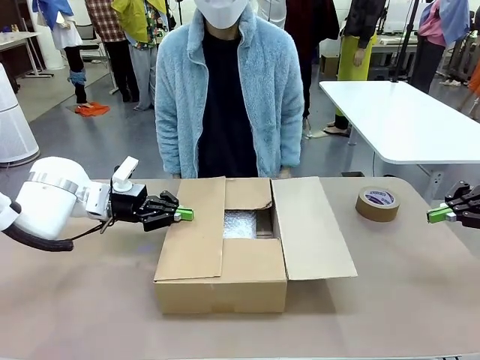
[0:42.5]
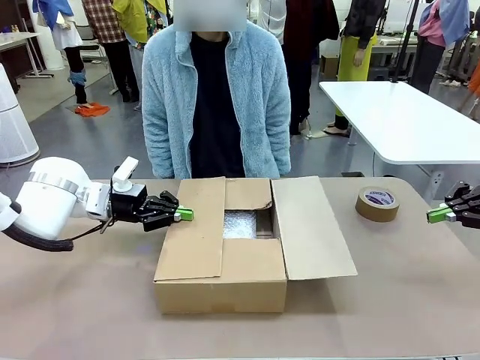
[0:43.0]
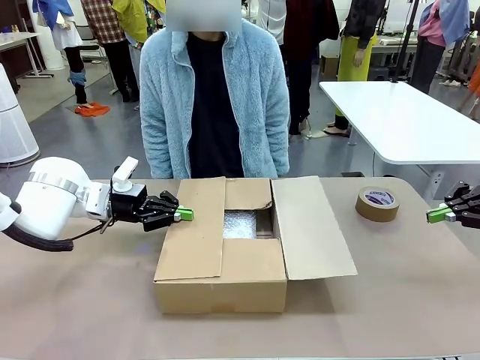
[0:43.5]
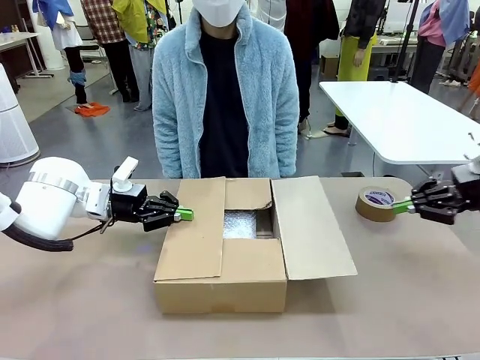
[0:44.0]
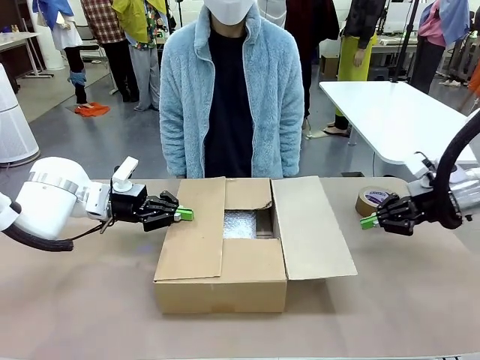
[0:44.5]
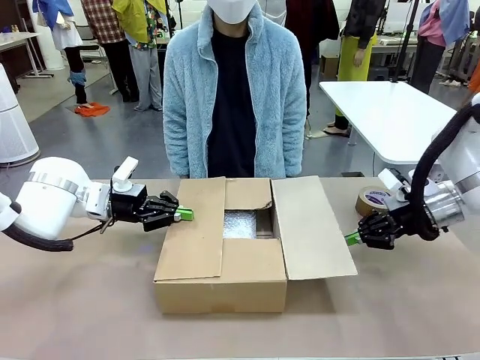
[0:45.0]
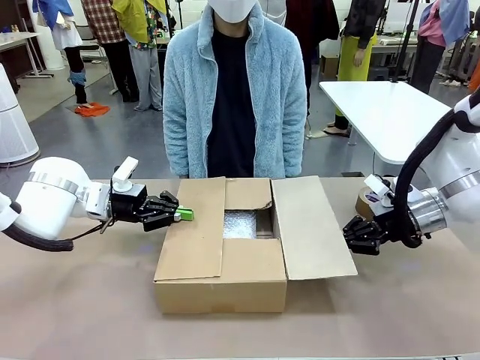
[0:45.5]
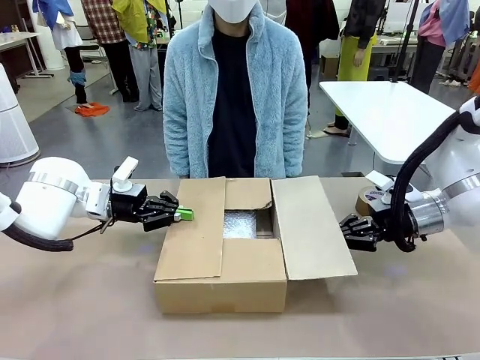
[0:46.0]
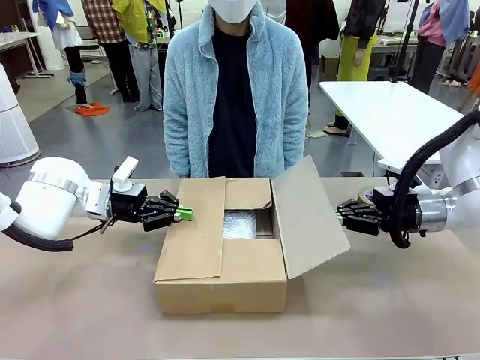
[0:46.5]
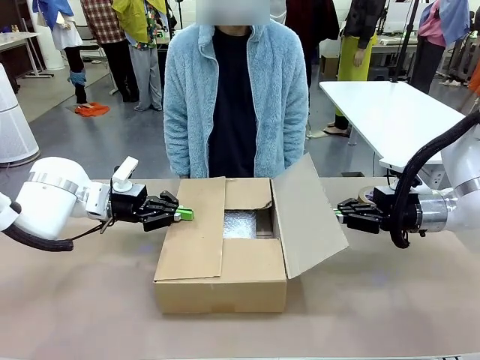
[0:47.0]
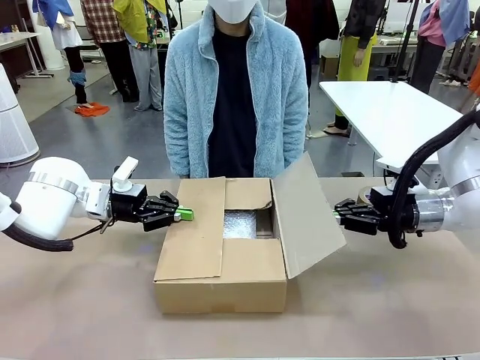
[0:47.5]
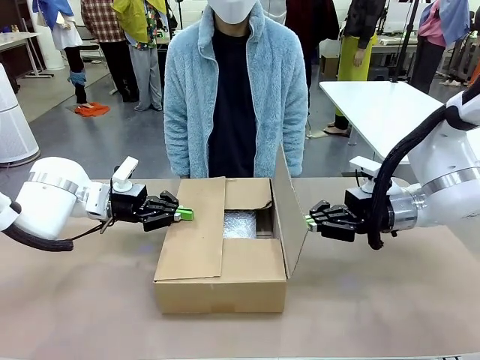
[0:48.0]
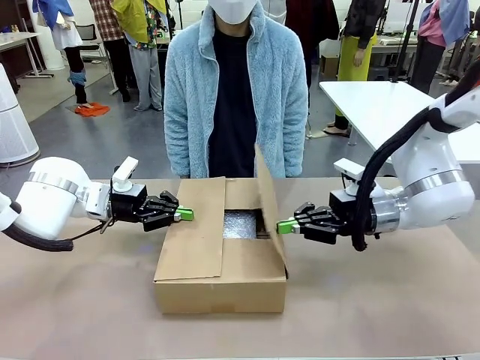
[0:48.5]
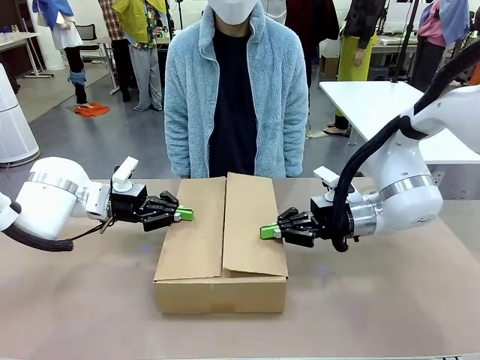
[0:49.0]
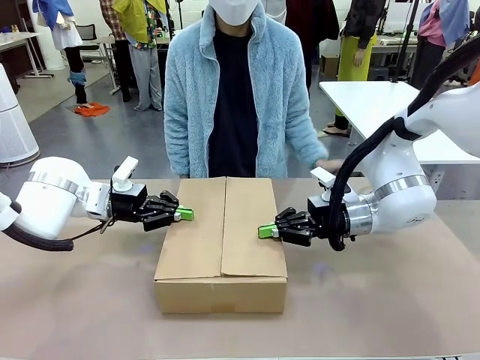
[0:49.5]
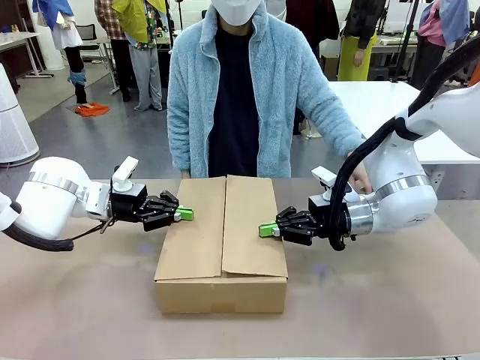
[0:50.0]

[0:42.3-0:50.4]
Task: Wrap the clocks to prevent damage.
Robot: Push the left (or right) flap of the Package Box to close it.

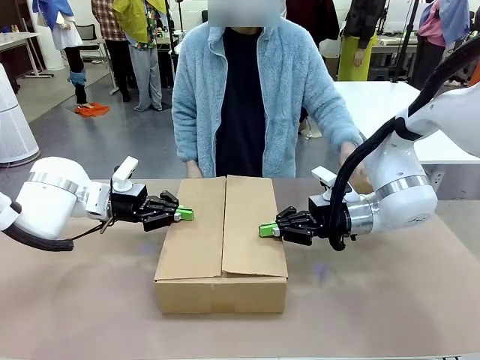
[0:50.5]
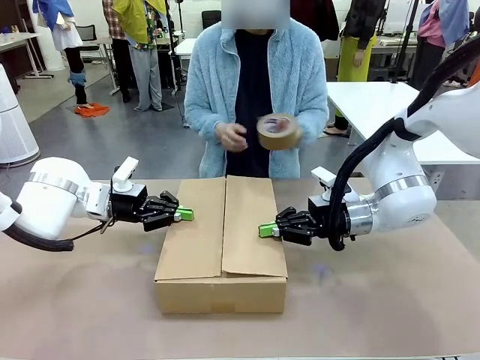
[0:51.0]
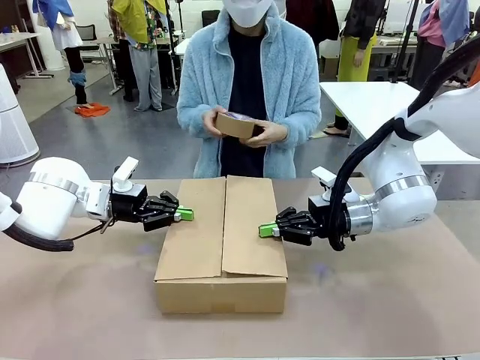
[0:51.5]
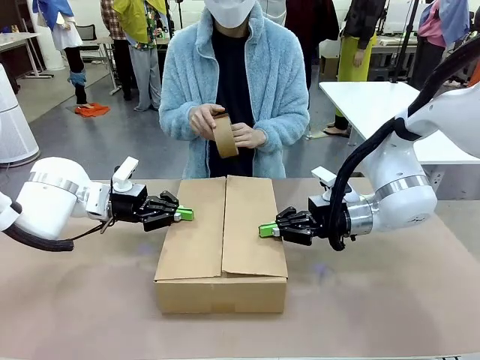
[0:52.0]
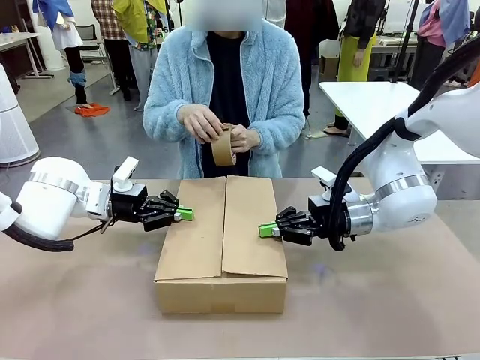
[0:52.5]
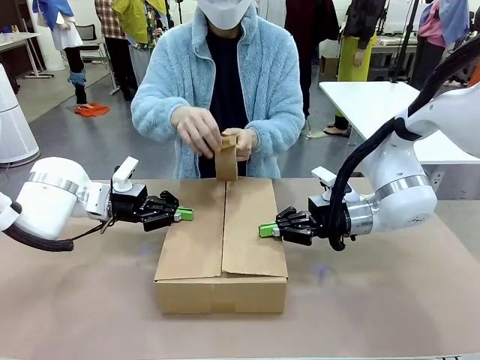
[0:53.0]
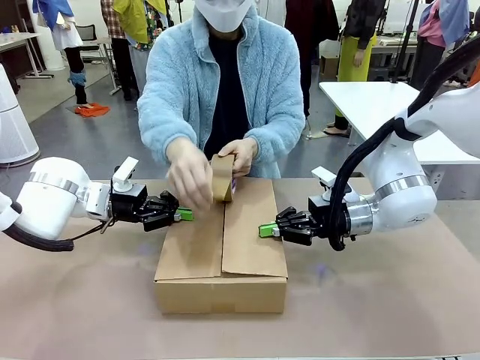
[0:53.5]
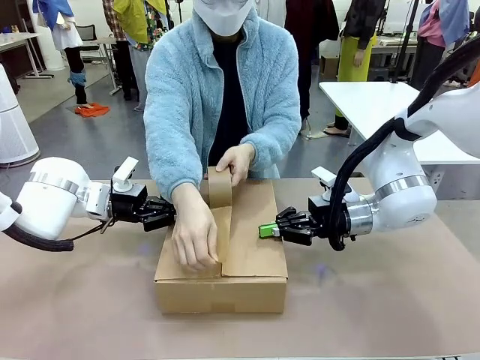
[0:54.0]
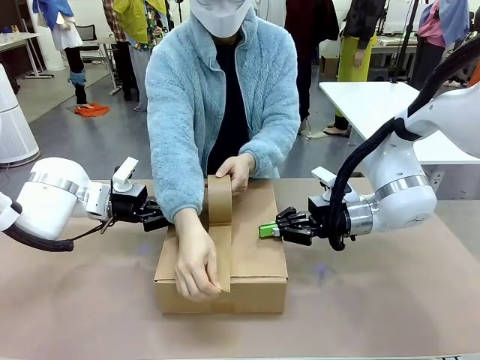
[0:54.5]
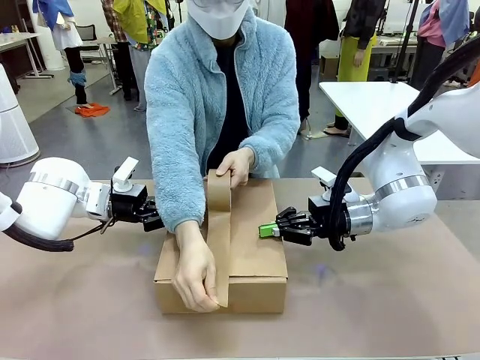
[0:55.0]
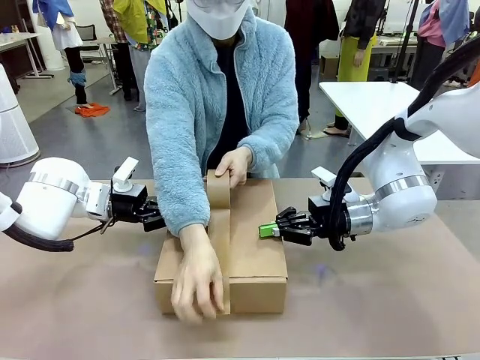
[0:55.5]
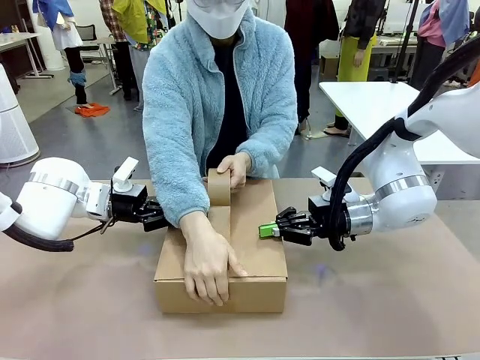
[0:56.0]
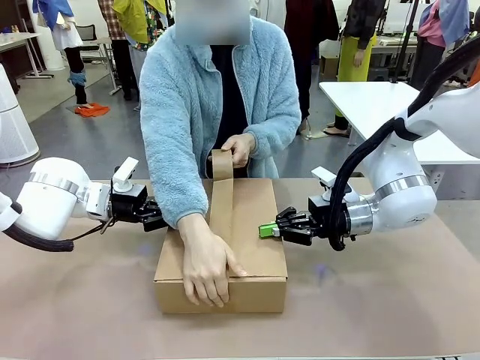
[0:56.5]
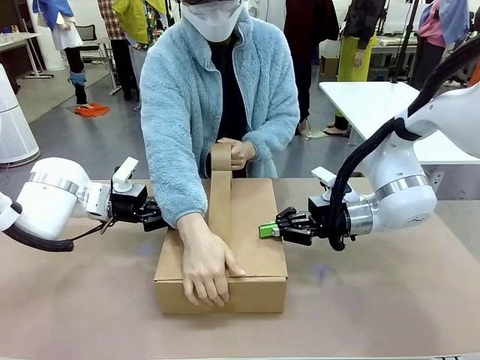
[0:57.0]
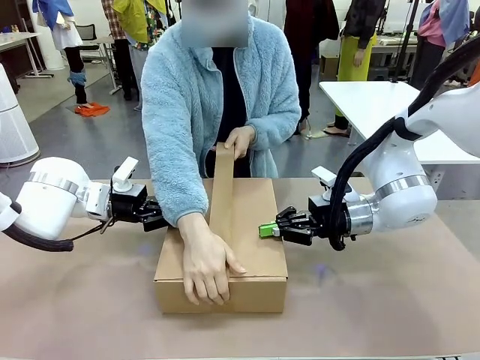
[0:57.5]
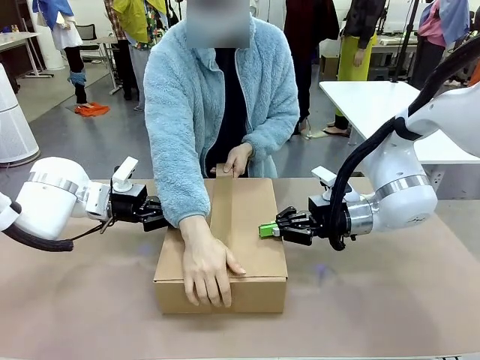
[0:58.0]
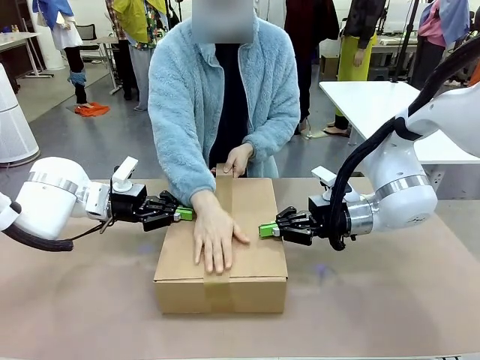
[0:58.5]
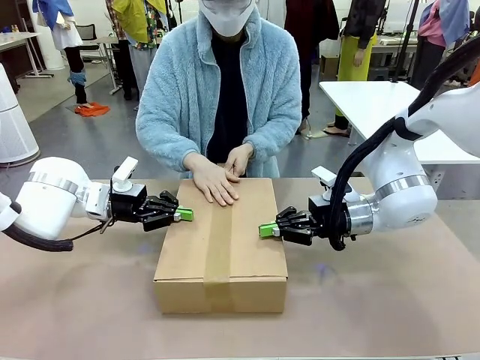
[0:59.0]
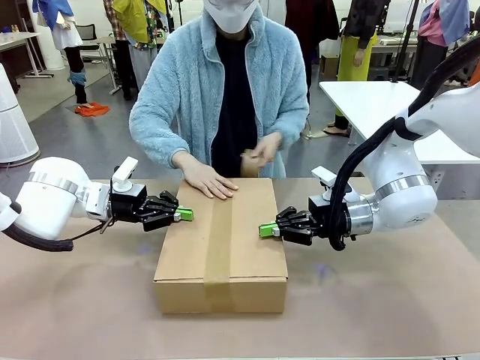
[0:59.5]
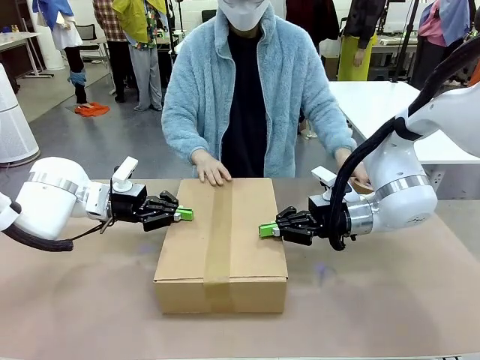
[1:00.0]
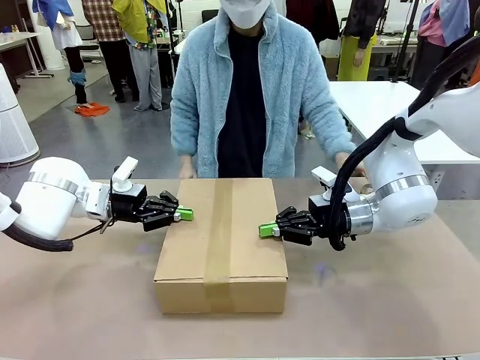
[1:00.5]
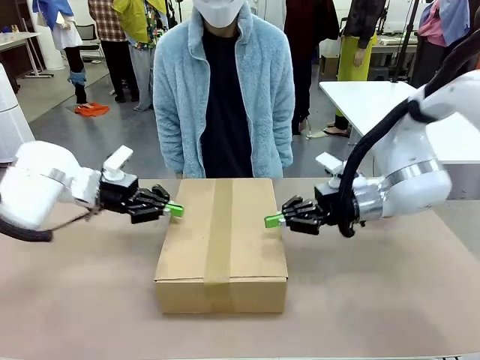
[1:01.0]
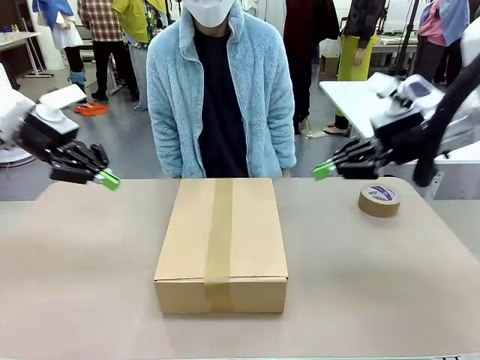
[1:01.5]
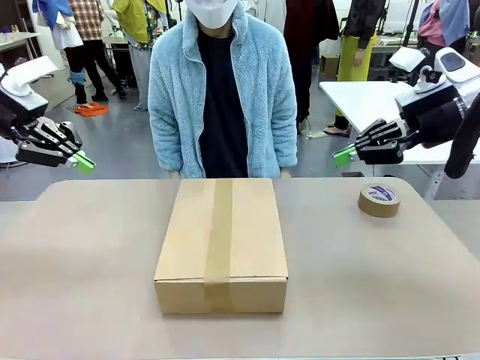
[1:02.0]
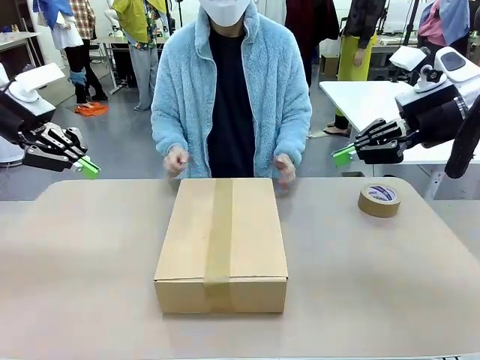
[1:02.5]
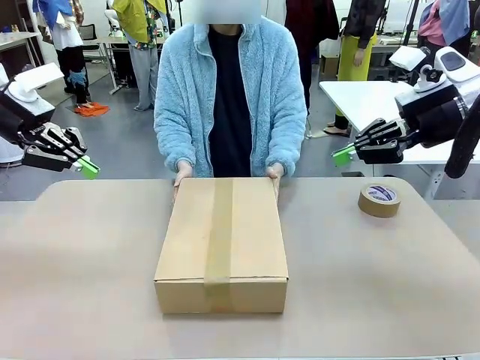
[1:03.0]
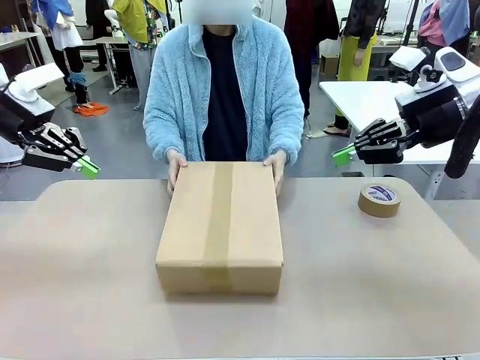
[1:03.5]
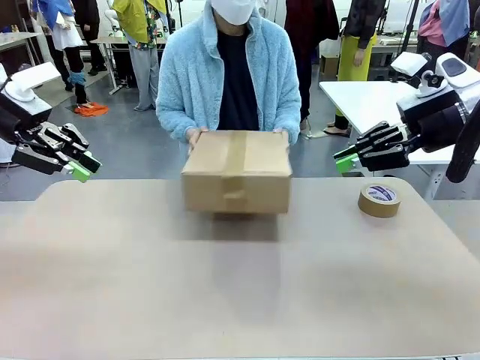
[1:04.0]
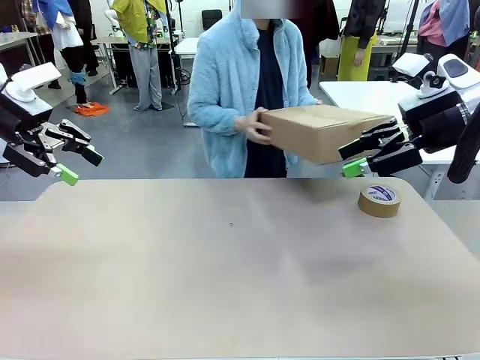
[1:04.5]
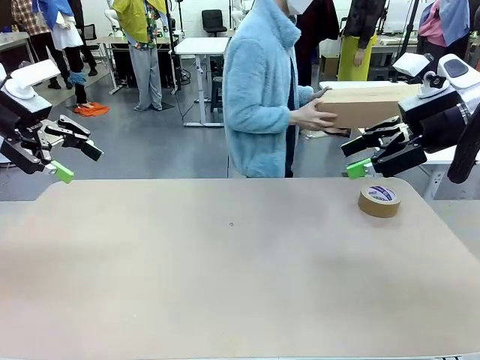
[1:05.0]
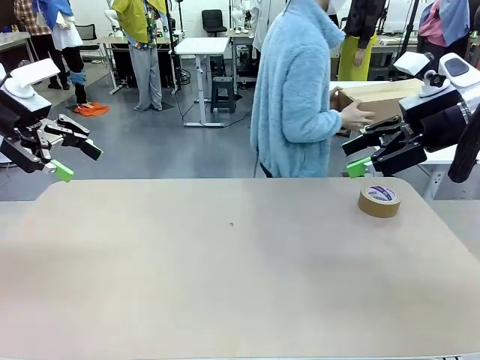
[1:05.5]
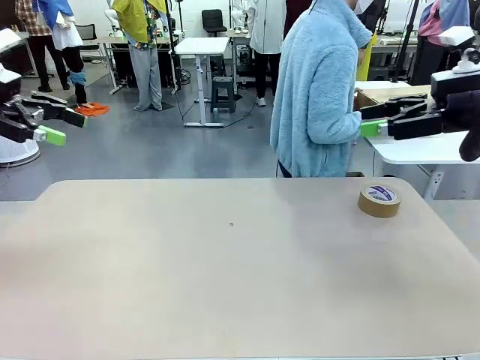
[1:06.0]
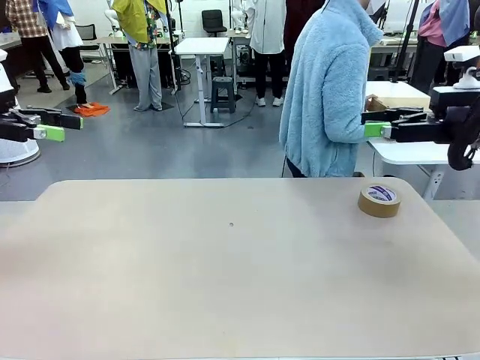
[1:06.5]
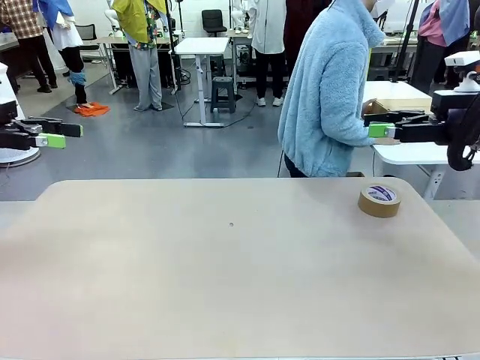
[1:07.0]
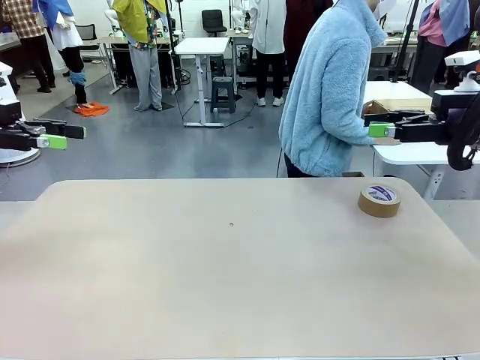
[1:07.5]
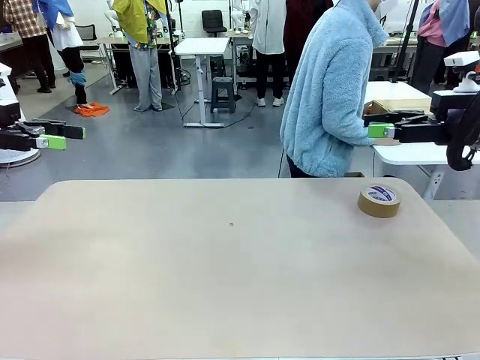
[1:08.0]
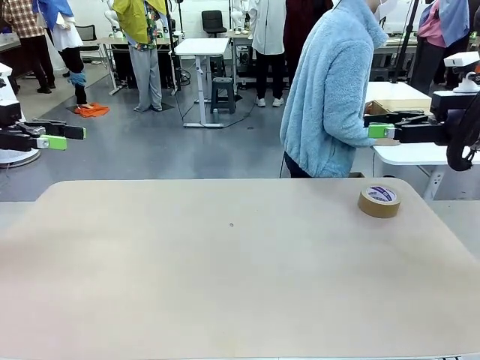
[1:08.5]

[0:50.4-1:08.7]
Robot: After the human seals the box with tape, release both hands from the side flaps of the Package Box.
Person: Once the robot closes the left flap of the Package Box , seal the box with Paper Tape. Place sealed Package Box in the middle of the human's table.
